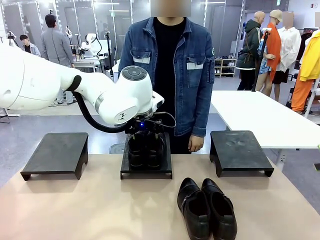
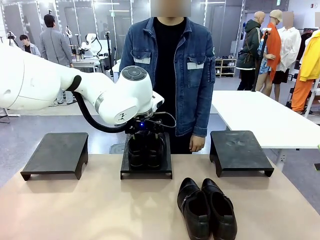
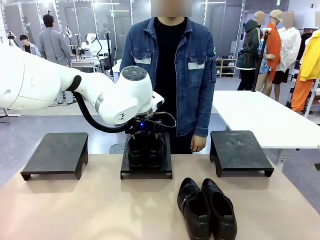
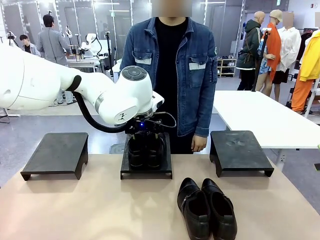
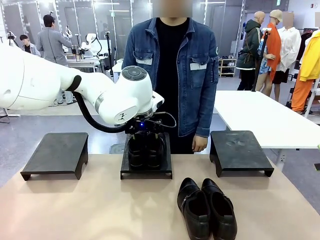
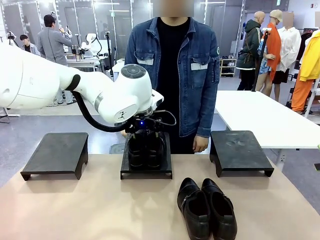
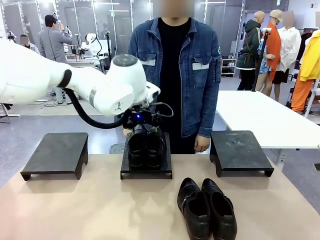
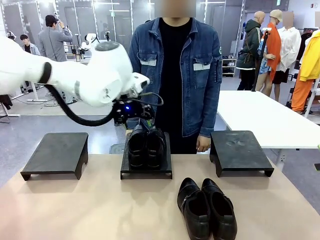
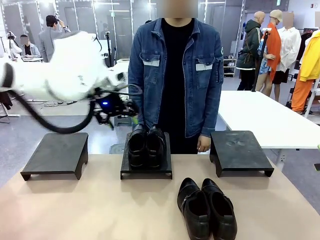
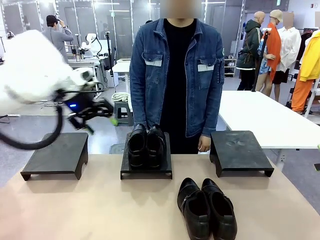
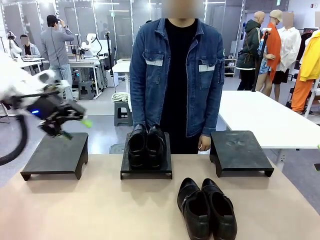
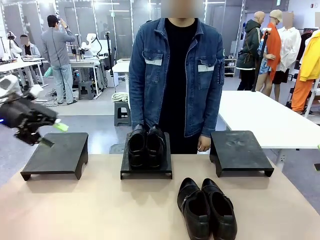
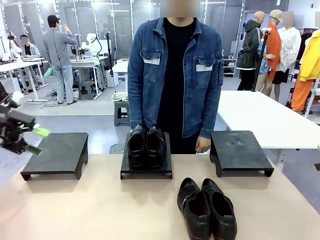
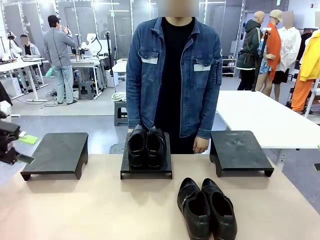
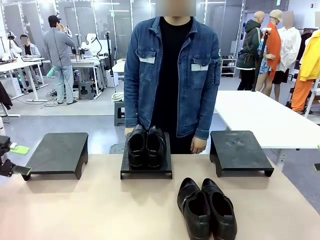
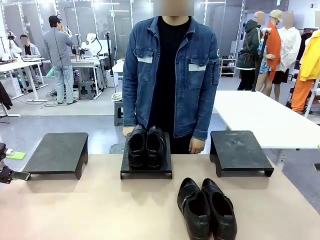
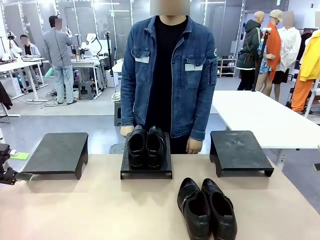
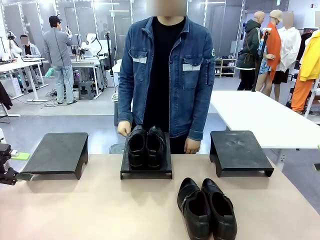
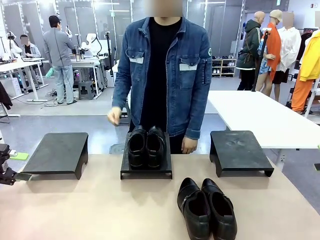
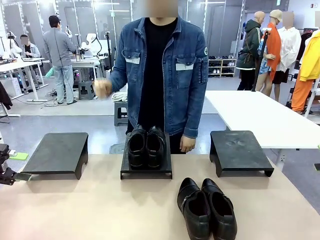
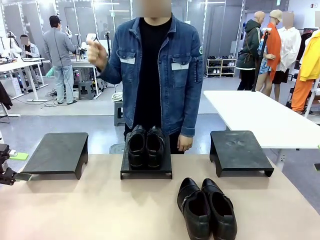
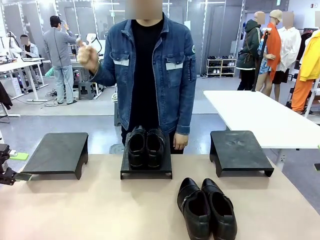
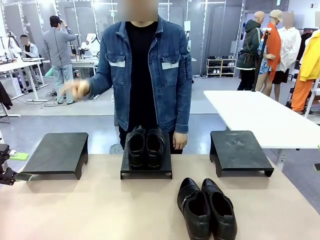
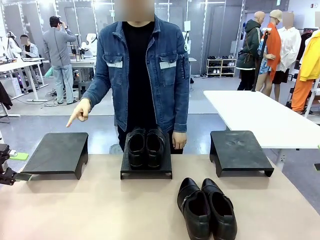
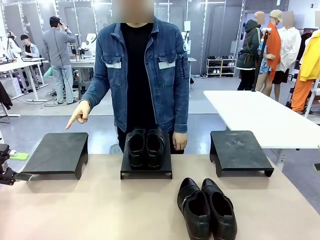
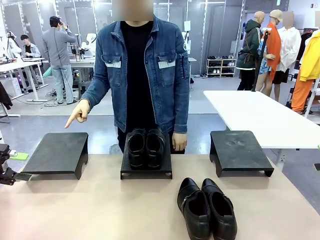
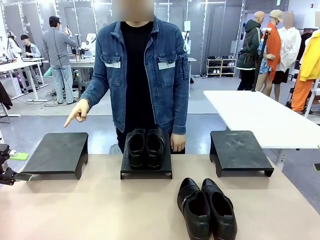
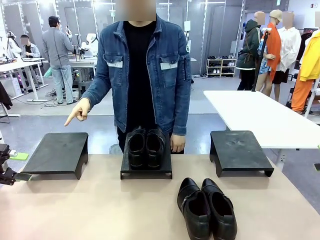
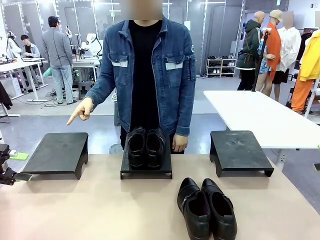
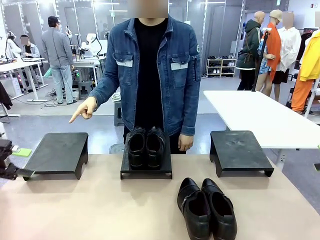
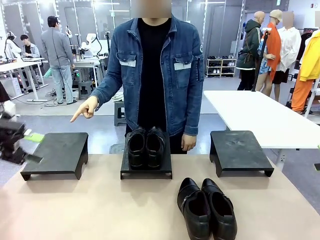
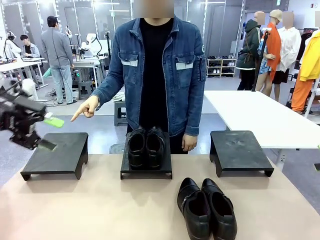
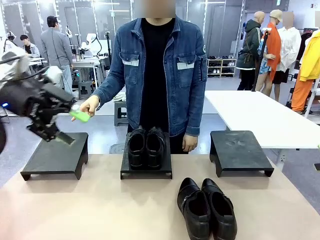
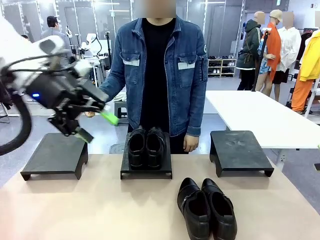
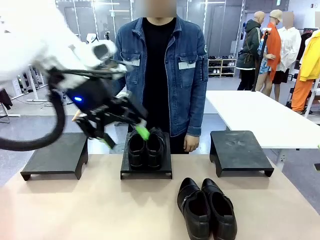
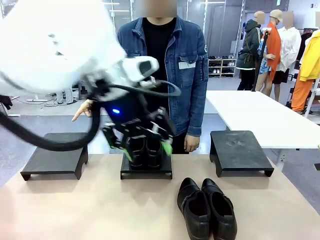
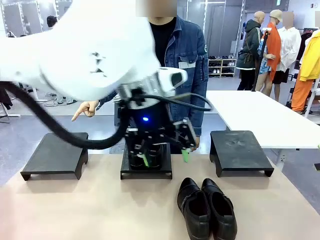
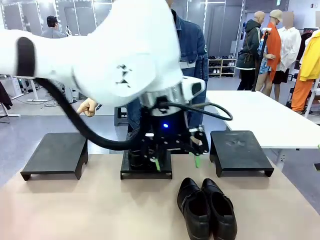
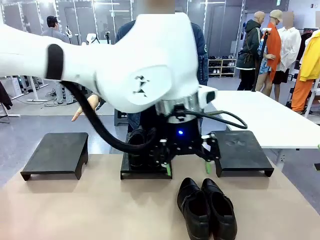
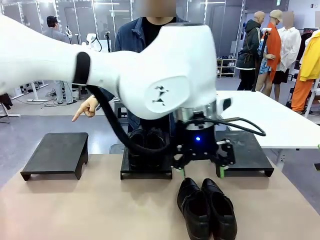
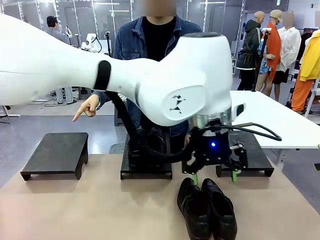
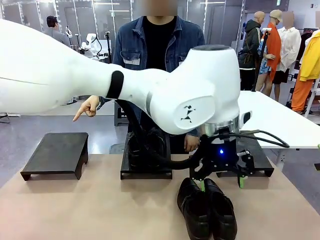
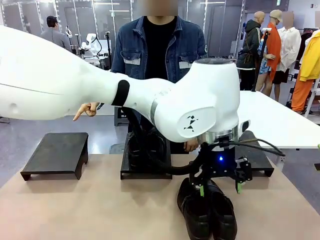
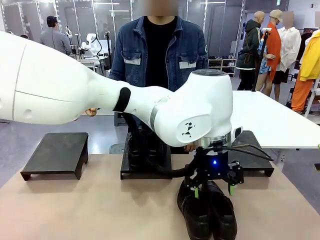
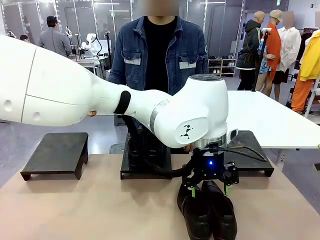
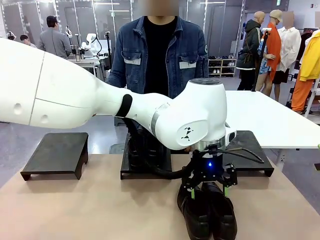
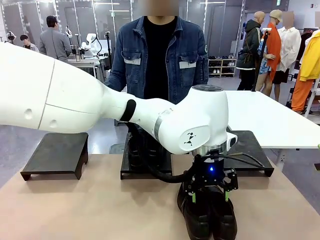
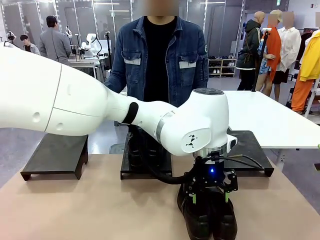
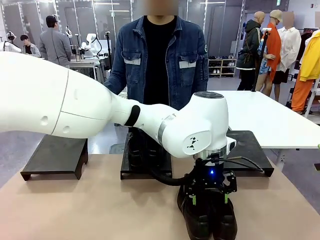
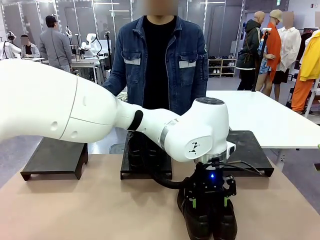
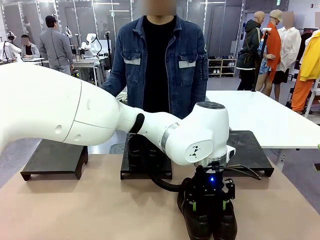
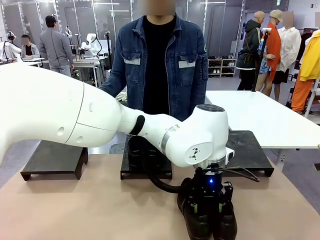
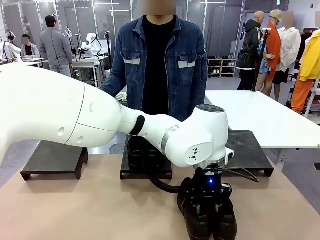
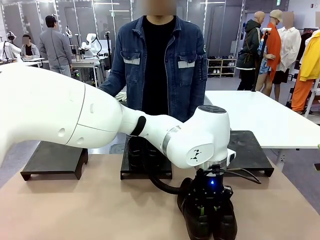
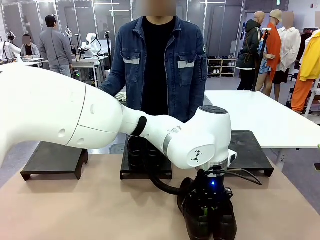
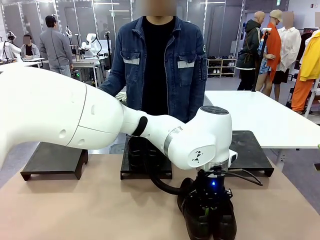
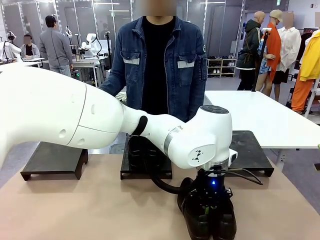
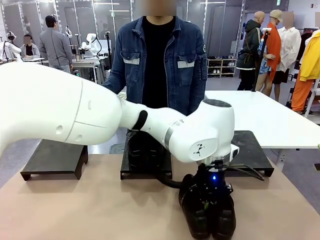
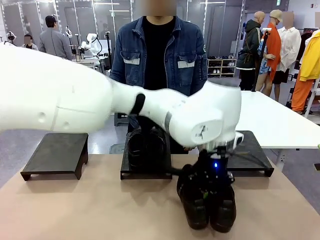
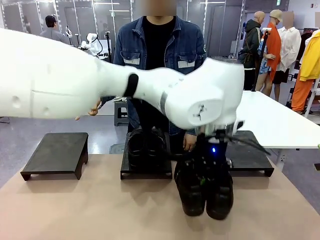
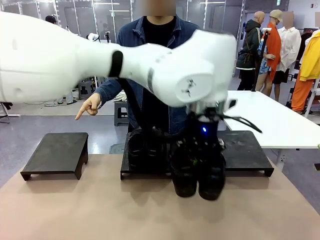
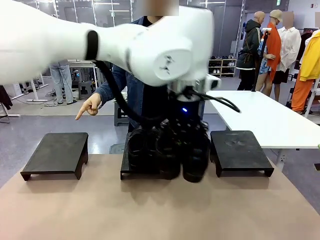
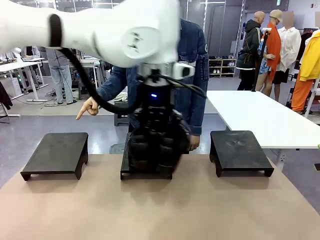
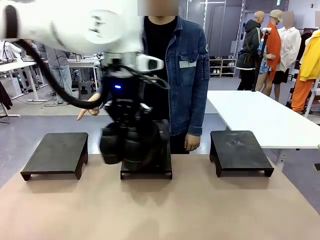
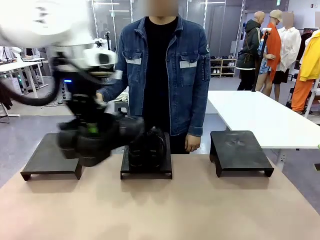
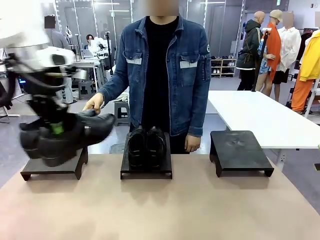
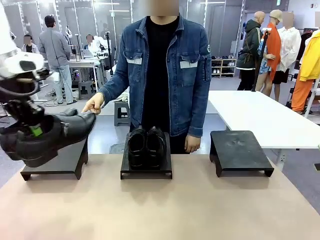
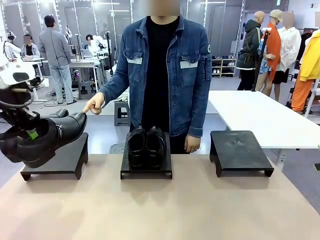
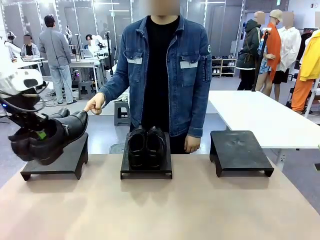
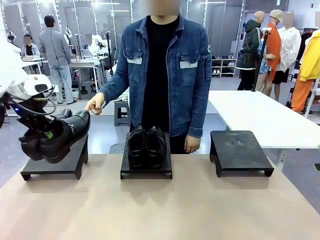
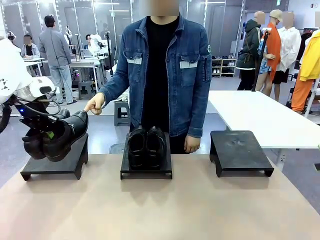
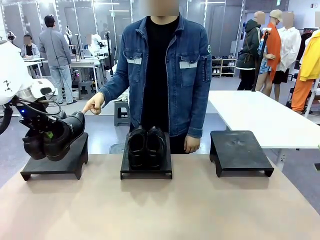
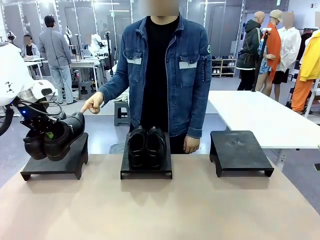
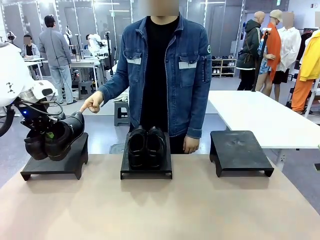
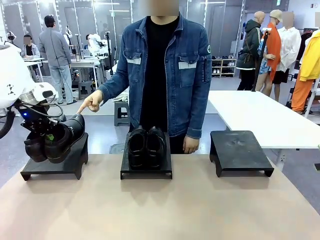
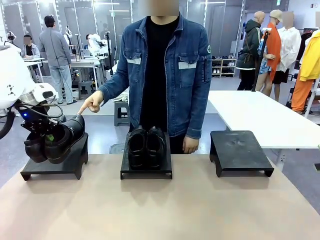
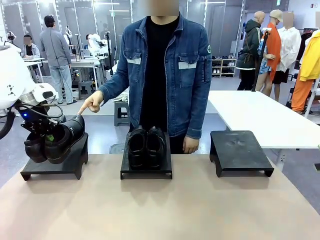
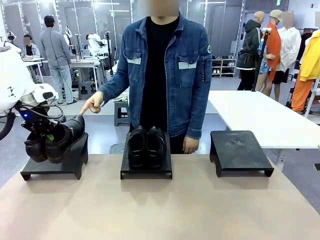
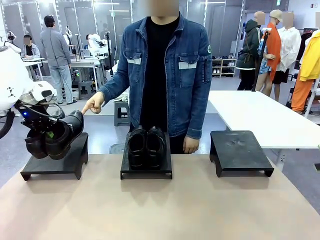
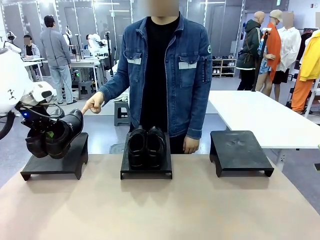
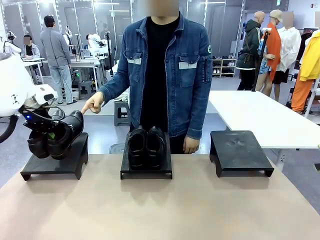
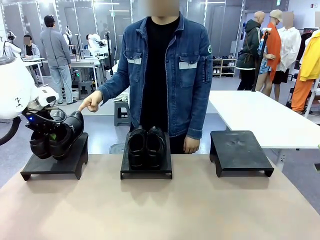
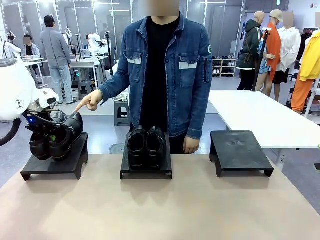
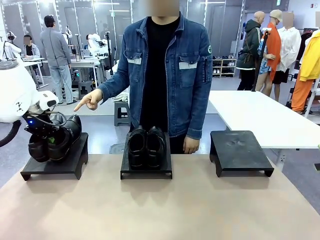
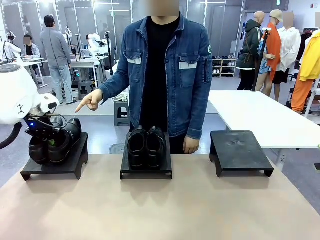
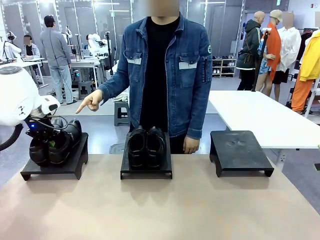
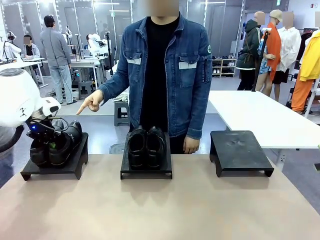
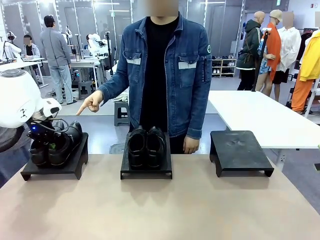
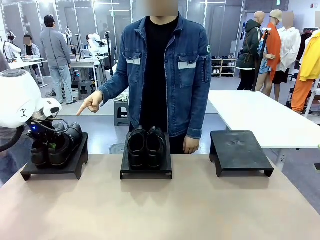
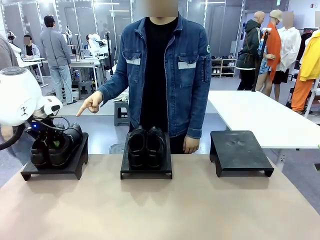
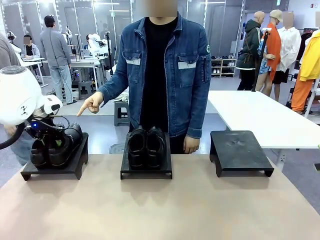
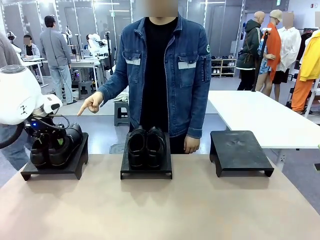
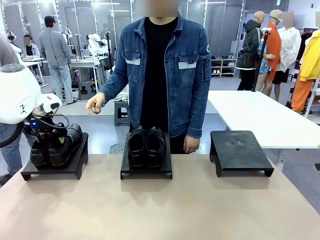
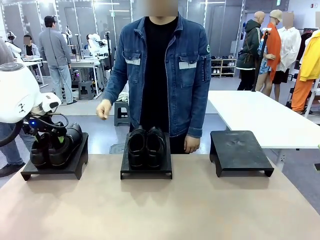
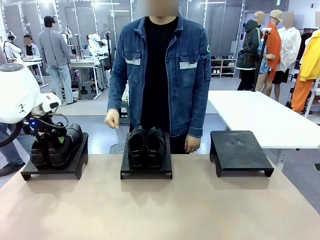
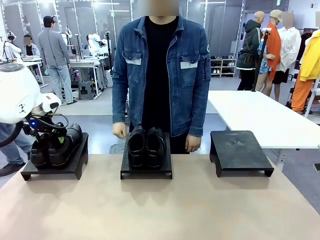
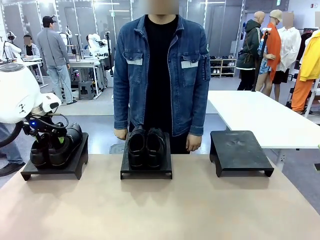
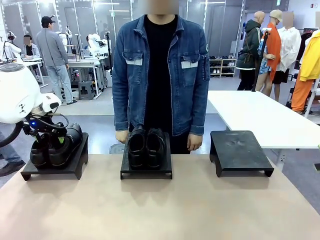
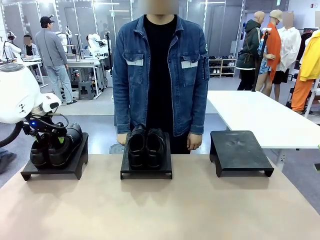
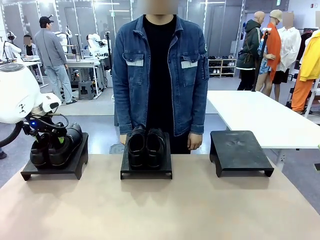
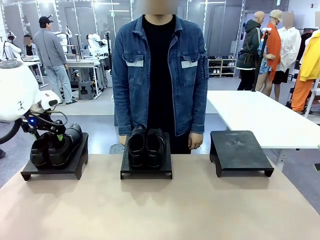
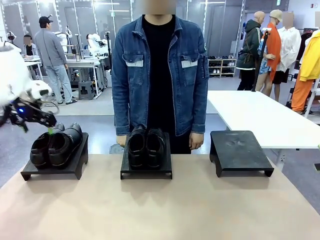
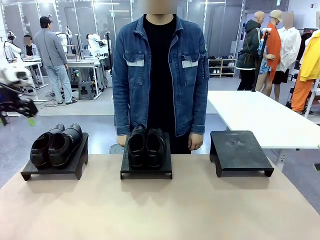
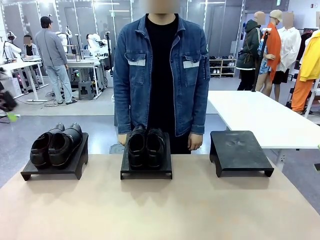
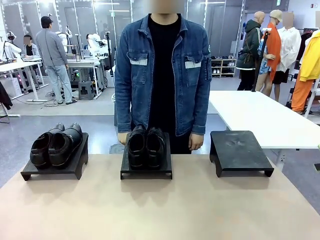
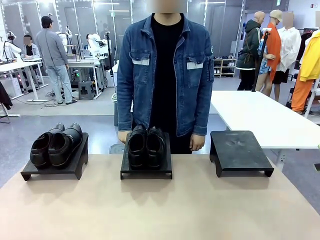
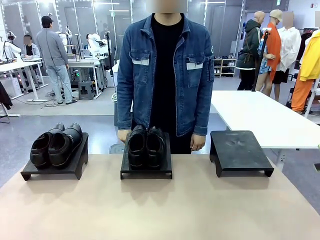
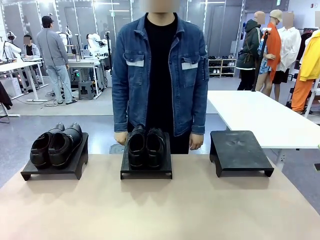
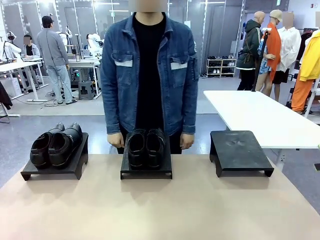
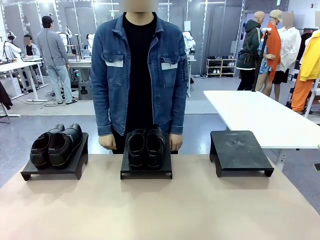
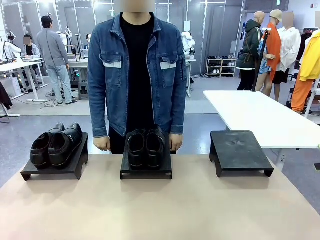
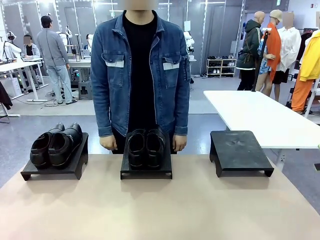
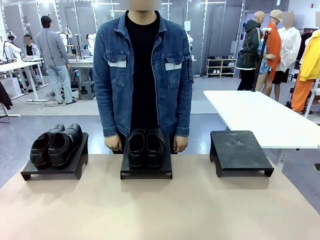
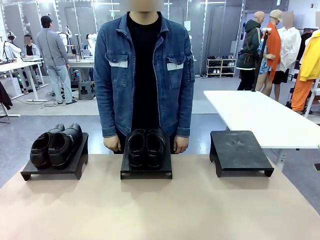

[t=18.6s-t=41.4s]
Task: Place the shoes on the stand as instructed by the person.
Robot: Pick up another pair of Shoes and place it on the Shoes Stand indicated by the person.
Person: Point to one Shoes Stand.
